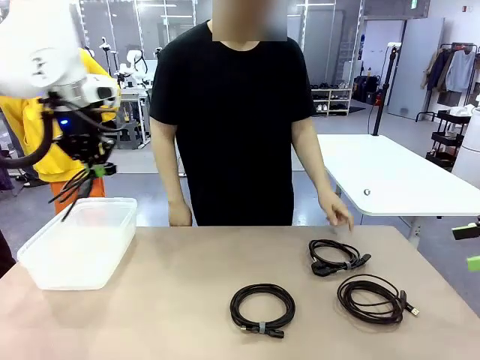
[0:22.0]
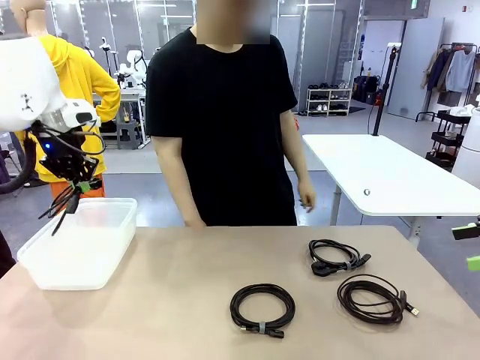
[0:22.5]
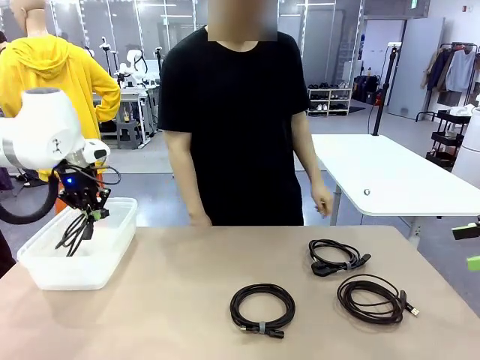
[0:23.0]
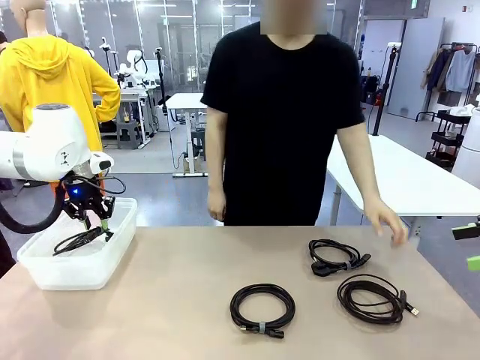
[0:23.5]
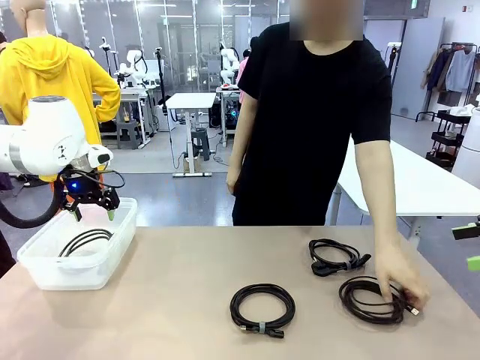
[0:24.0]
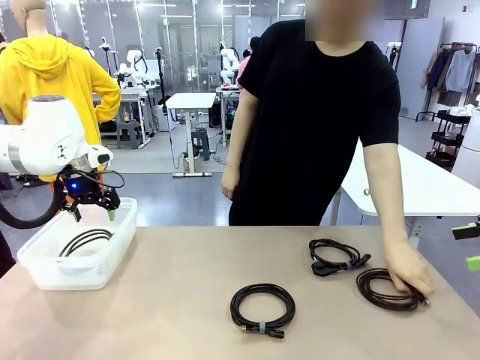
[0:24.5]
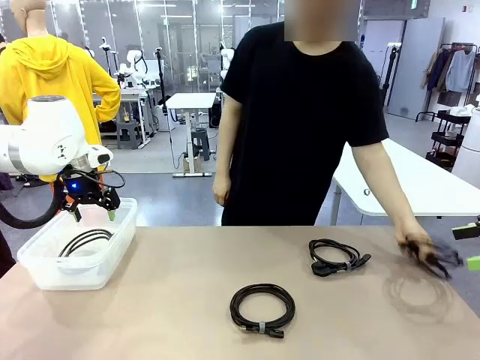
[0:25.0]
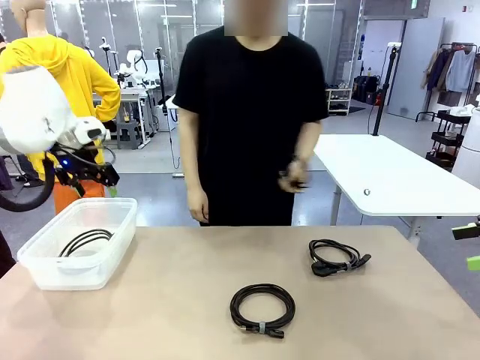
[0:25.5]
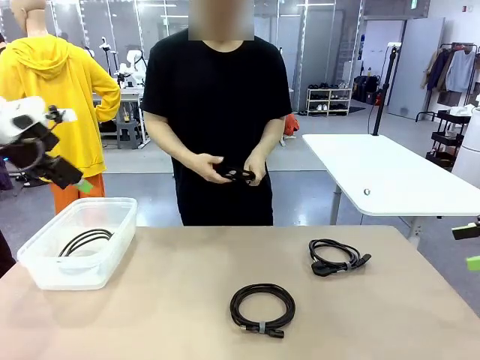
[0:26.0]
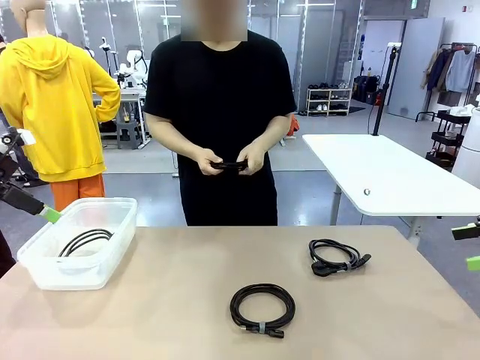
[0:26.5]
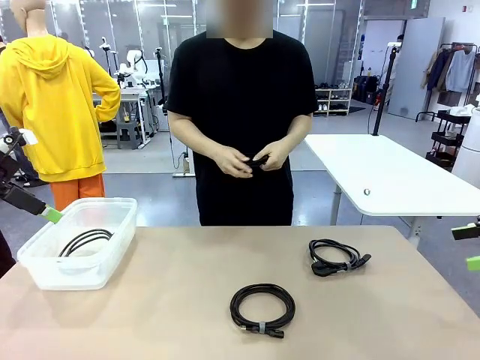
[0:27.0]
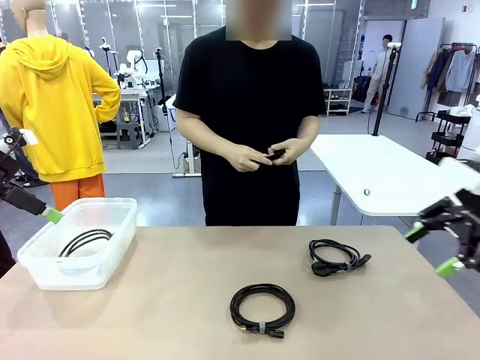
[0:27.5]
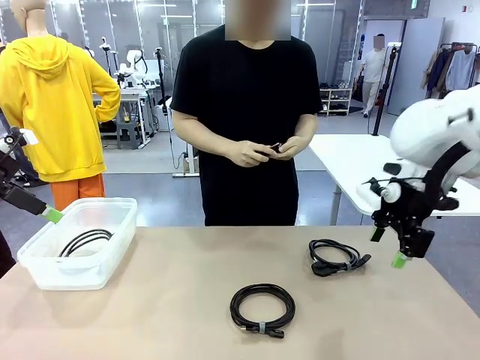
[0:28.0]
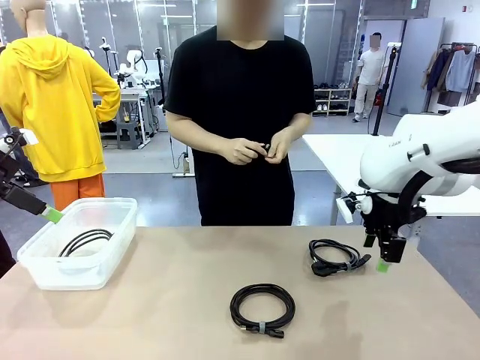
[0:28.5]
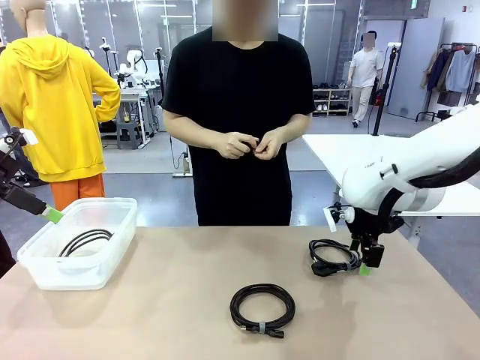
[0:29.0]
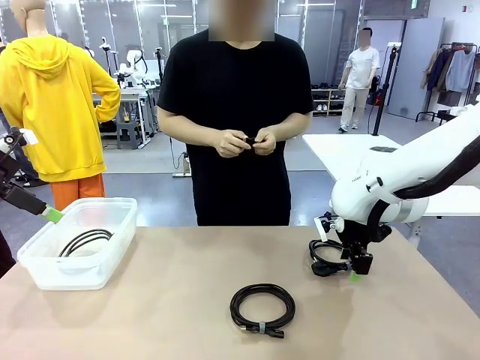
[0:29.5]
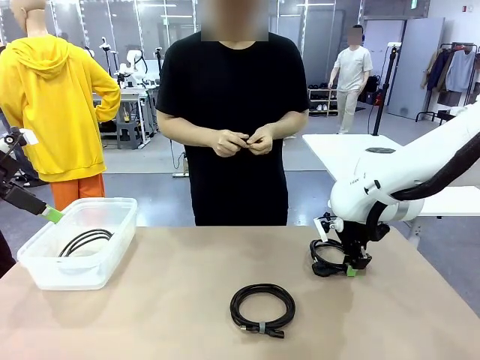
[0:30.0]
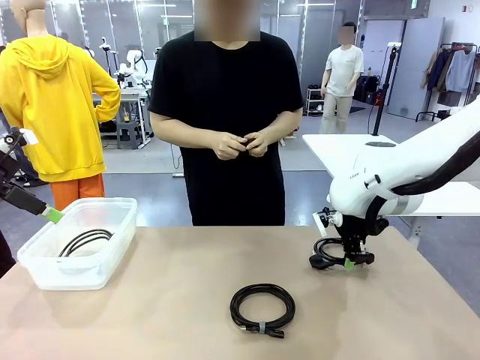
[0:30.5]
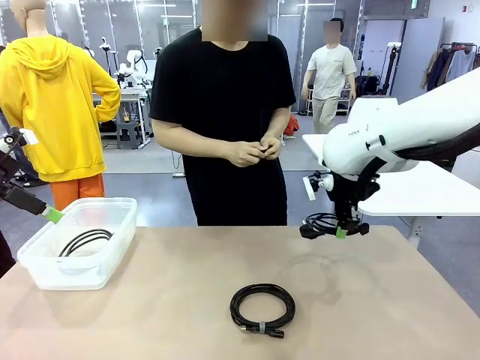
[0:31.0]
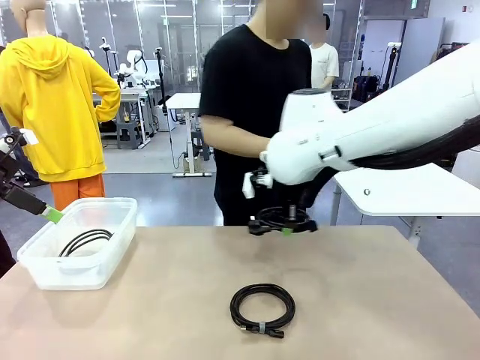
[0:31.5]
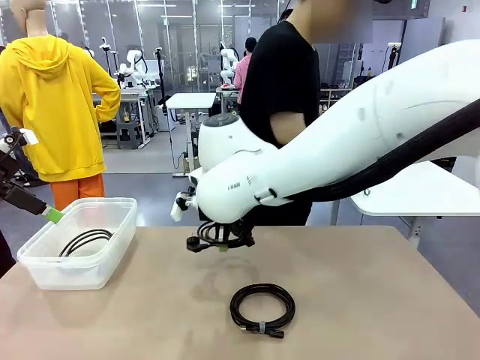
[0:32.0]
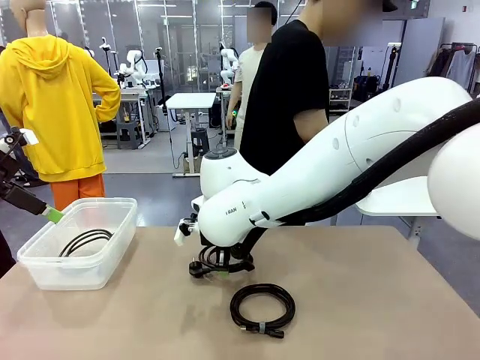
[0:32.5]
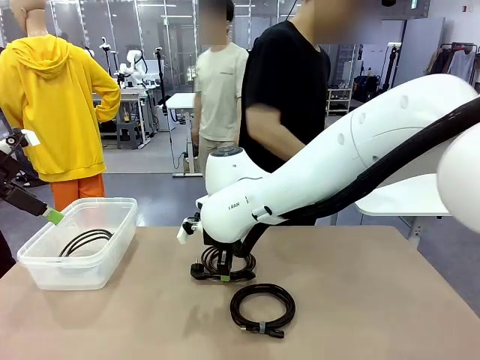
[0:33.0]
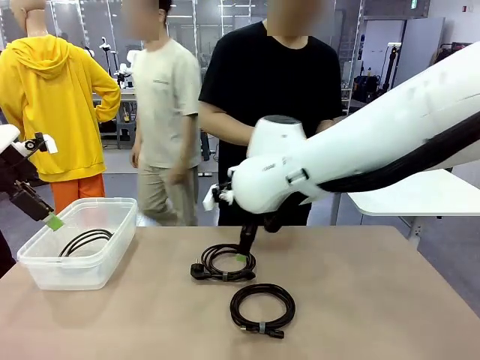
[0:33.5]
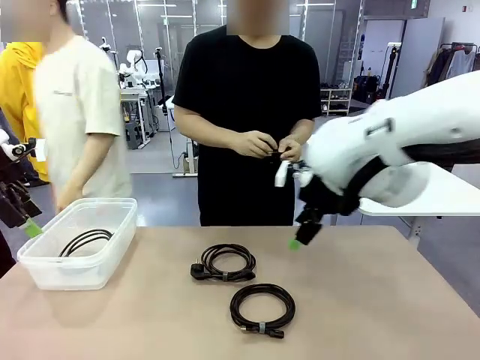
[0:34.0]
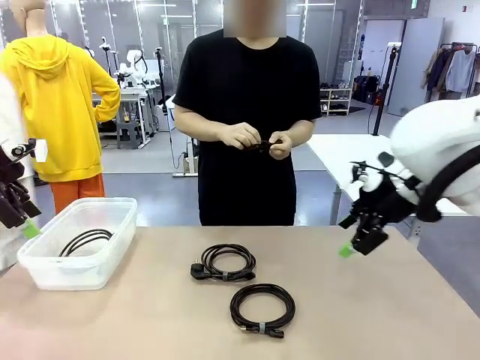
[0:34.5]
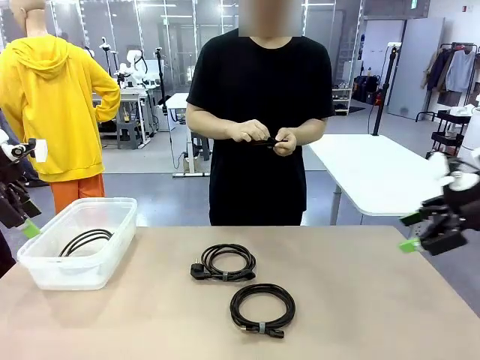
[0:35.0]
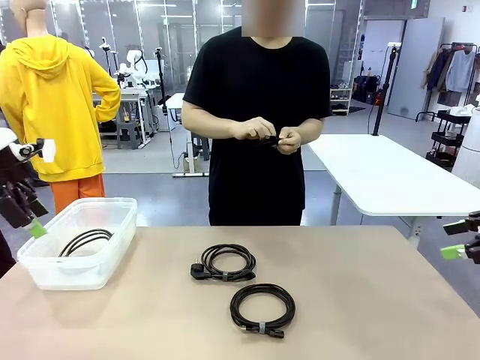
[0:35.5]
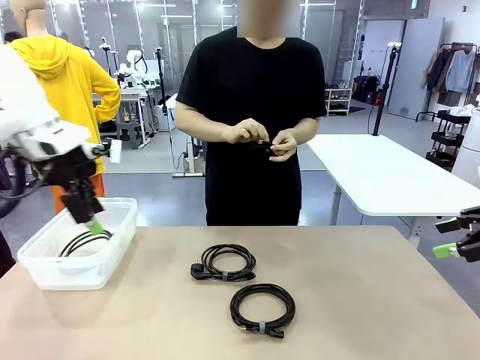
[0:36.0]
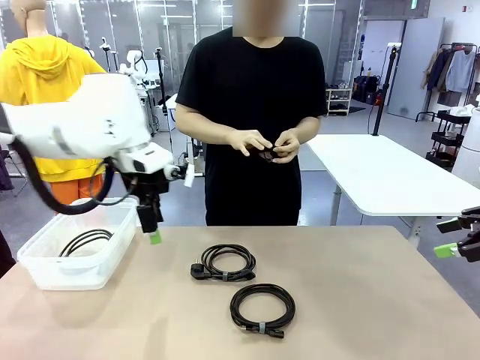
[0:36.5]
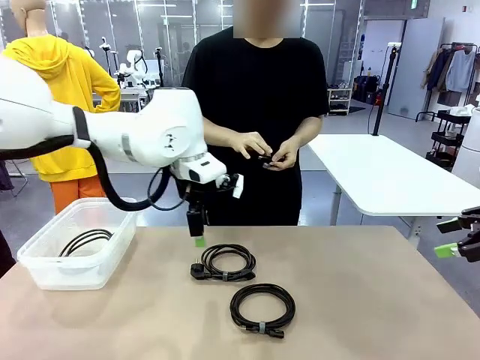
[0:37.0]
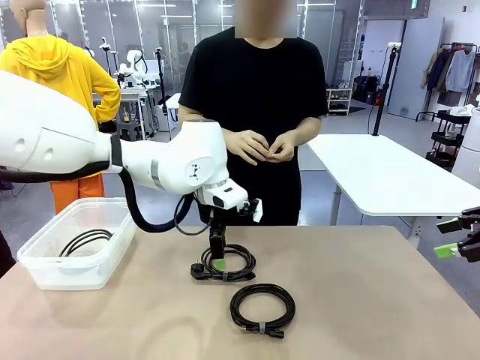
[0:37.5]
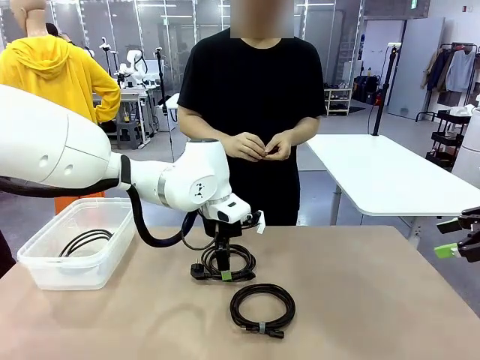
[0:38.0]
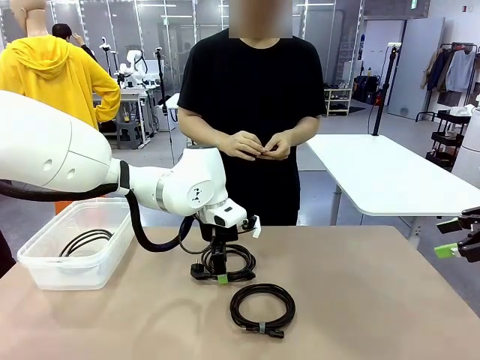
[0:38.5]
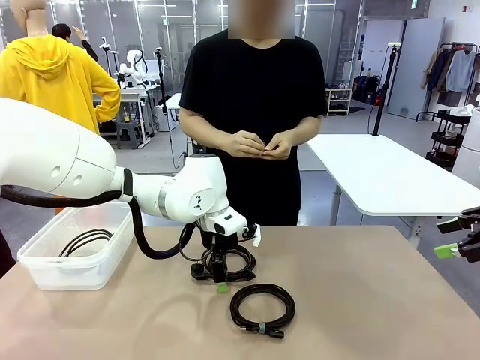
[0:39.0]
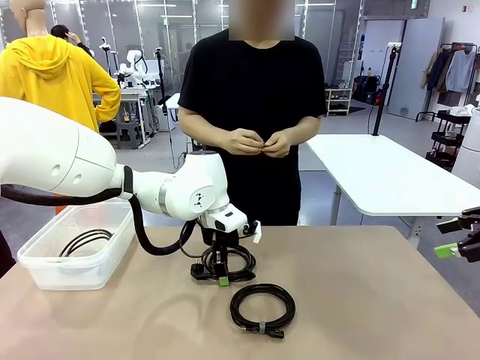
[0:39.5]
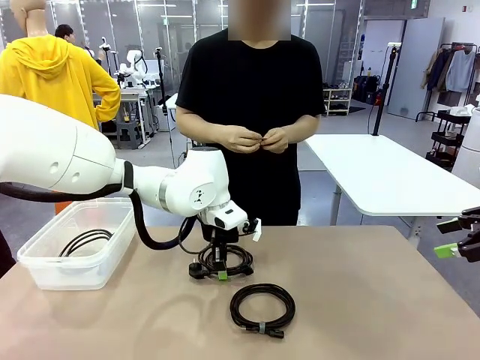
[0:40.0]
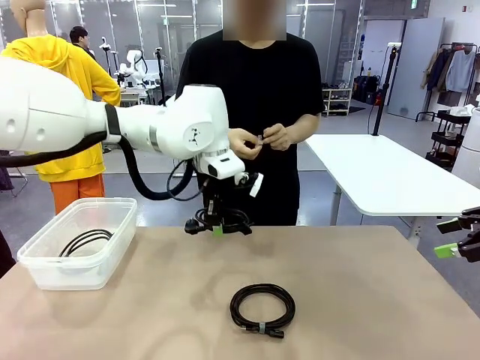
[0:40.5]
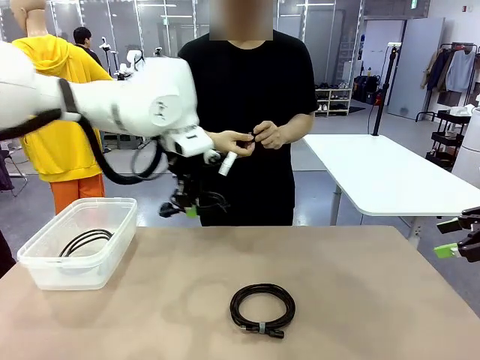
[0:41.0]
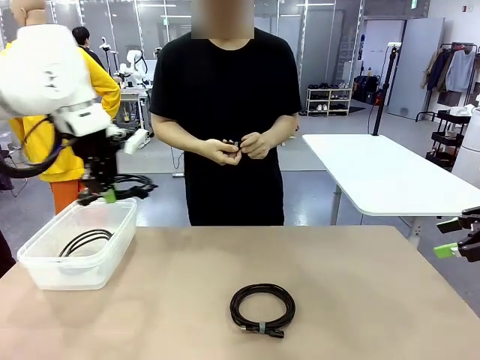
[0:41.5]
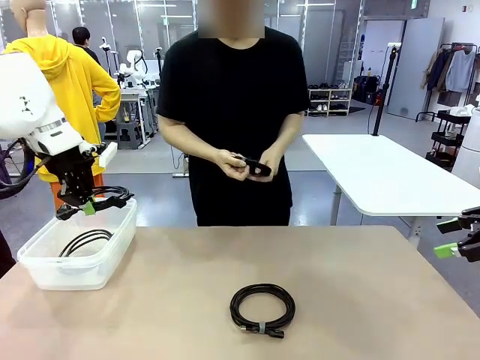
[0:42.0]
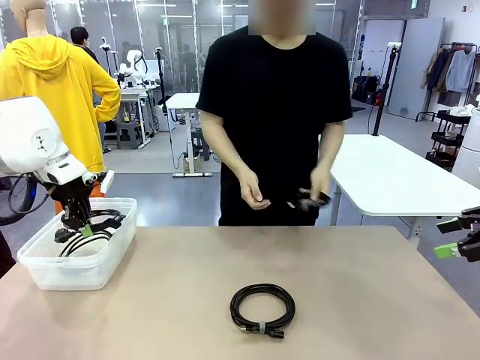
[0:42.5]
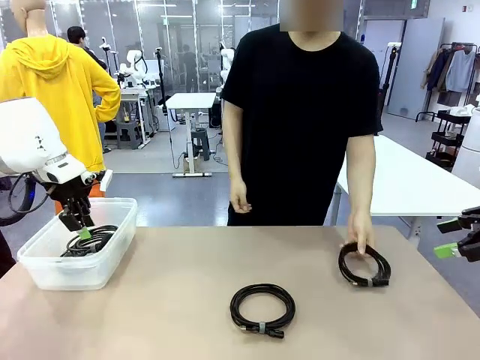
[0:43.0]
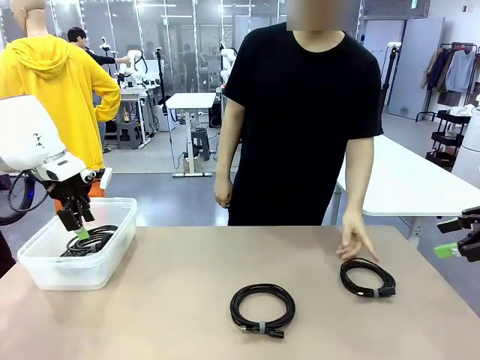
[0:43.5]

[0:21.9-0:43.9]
Task: Organize and store the cables.
Robot: Place the Power Cable into the Organizing box.

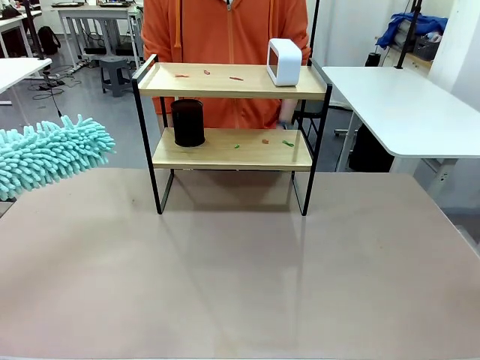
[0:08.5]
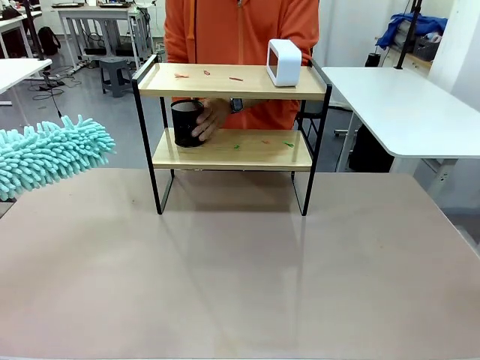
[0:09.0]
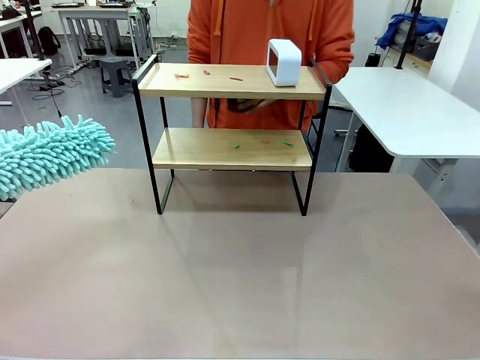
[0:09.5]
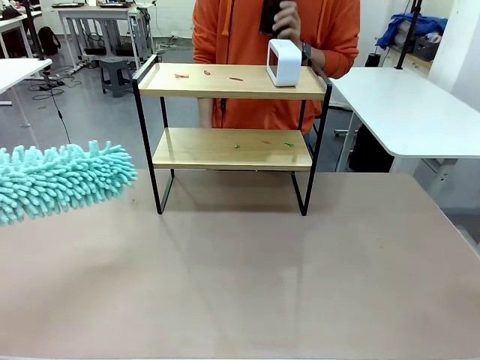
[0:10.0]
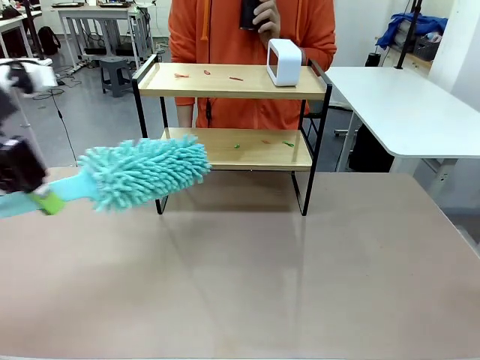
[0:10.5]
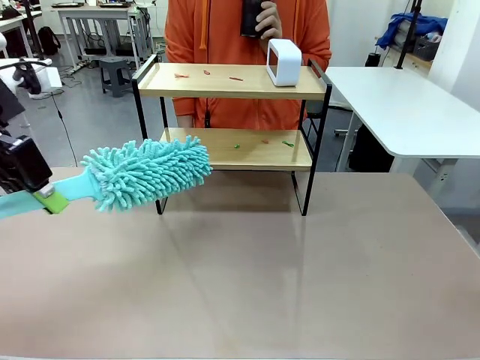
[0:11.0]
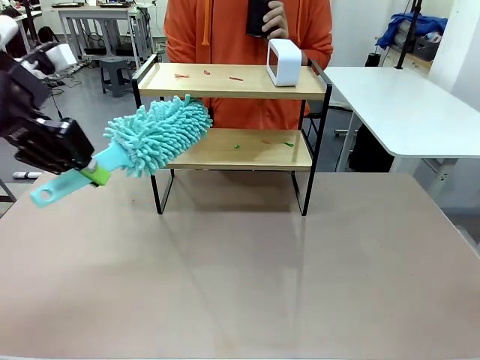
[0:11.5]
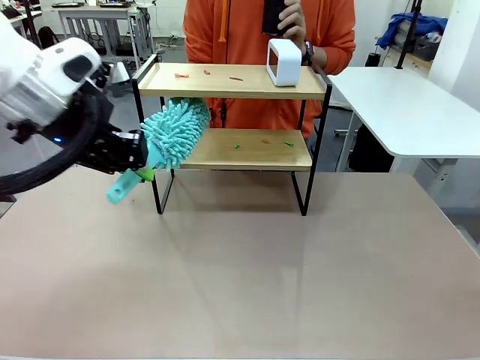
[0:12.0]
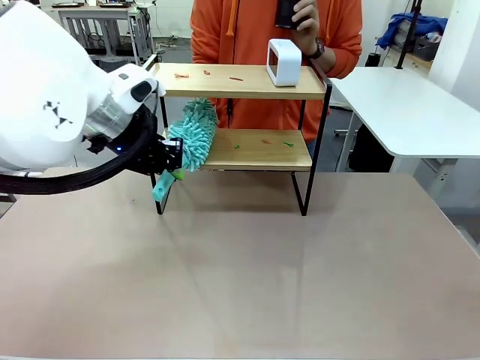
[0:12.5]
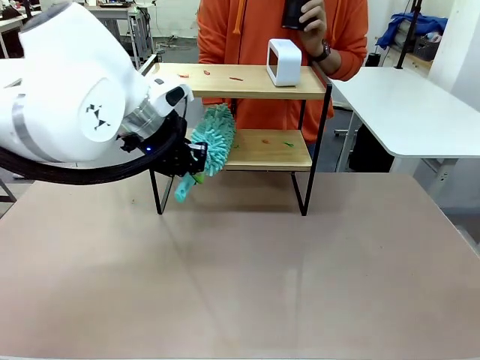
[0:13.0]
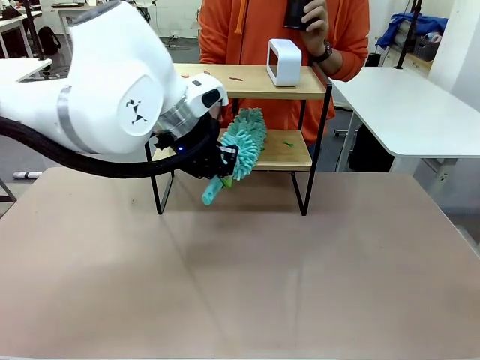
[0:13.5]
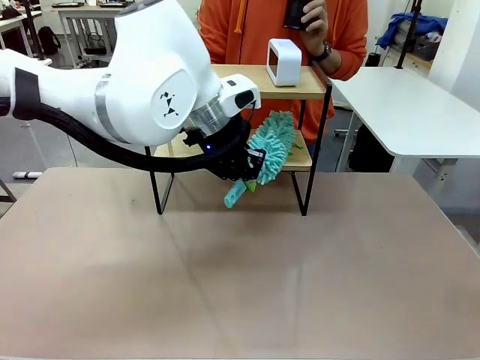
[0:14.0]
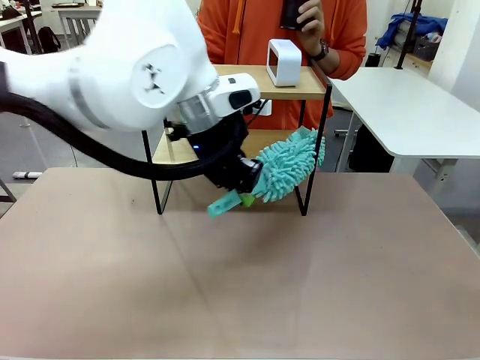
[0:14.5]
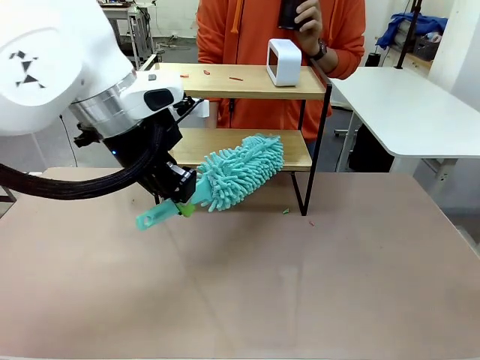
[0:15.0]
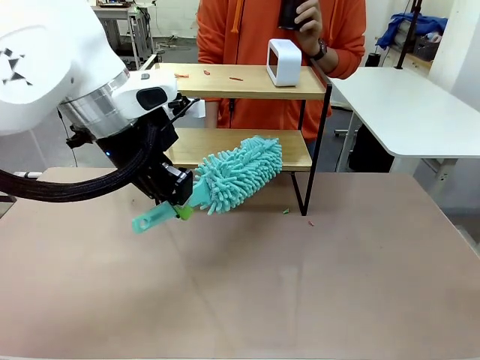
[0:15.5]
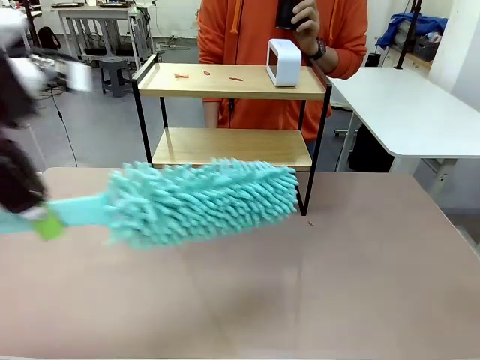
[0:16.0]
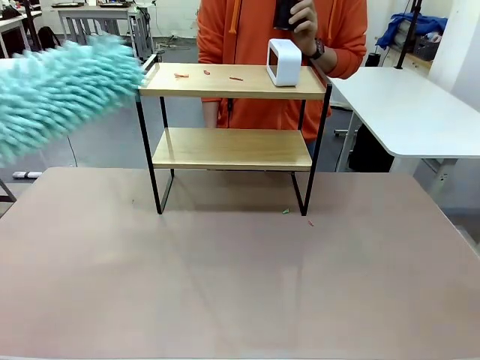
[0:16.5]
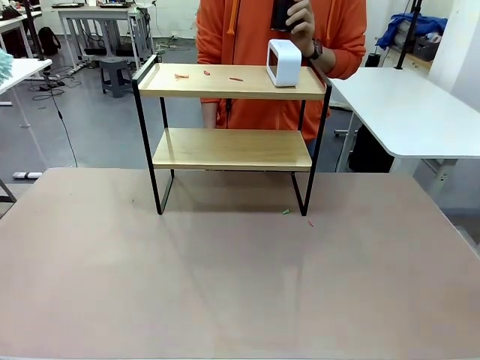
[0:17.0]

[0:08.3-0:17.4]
Task: Clean the shelf.
Robot: Clean the specific tier of the Shelf with the Duster once objects are removed.
Person: Lift the objects on a randomly selected tier of the Shelf. Once the robot finishes cleaning, lift the objects on the remaining tiers of the Shelf.
